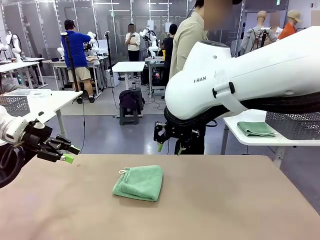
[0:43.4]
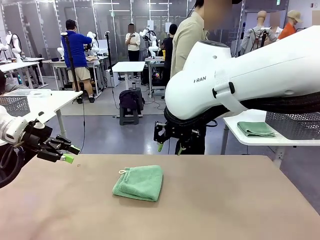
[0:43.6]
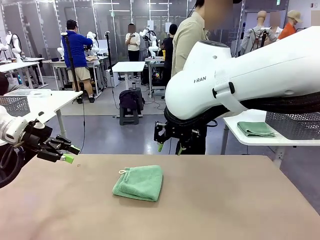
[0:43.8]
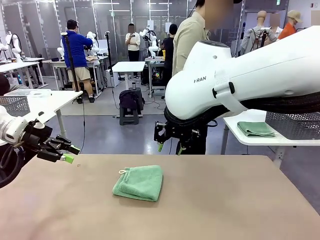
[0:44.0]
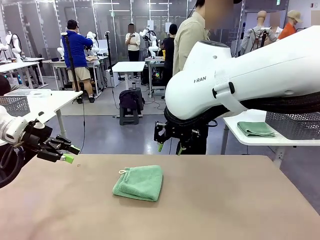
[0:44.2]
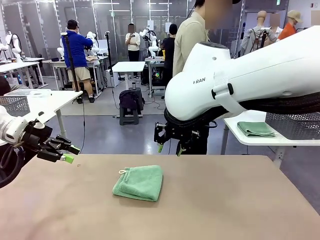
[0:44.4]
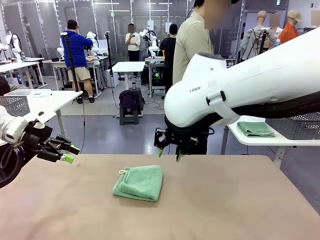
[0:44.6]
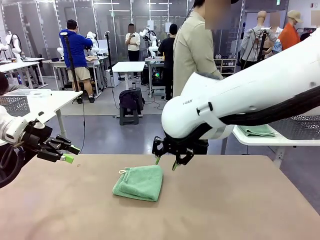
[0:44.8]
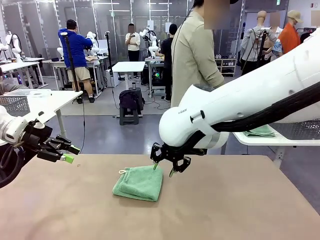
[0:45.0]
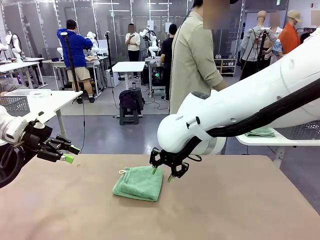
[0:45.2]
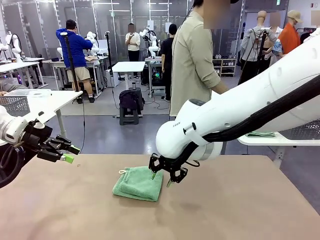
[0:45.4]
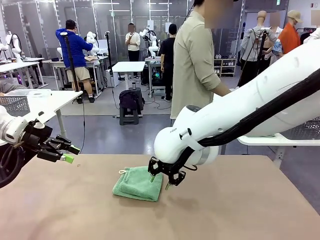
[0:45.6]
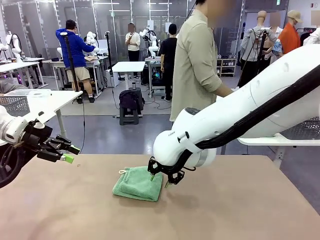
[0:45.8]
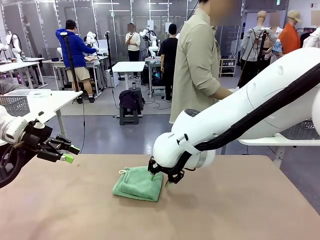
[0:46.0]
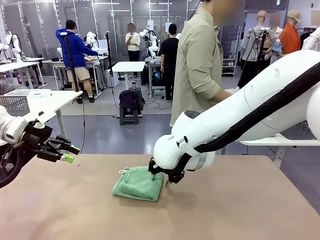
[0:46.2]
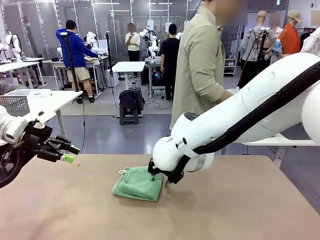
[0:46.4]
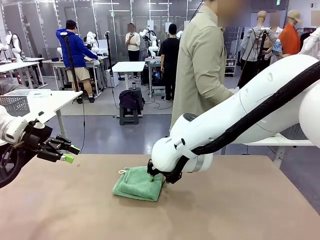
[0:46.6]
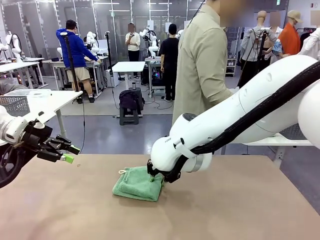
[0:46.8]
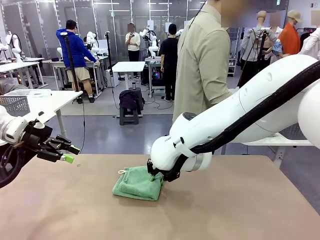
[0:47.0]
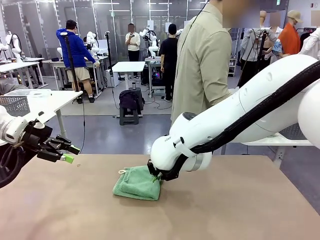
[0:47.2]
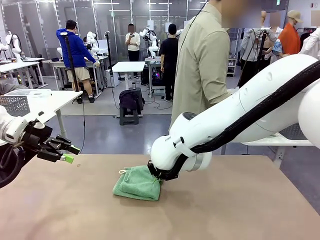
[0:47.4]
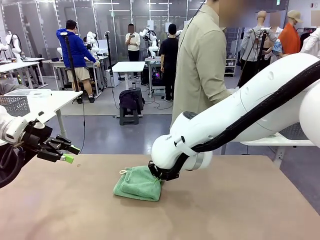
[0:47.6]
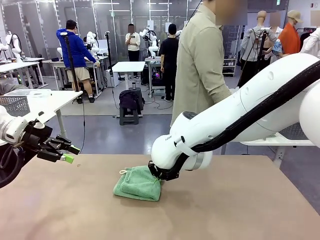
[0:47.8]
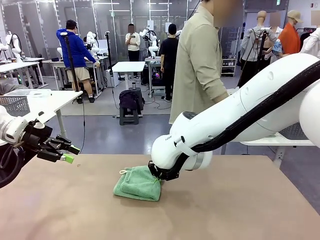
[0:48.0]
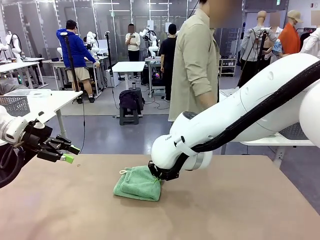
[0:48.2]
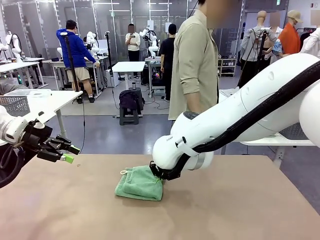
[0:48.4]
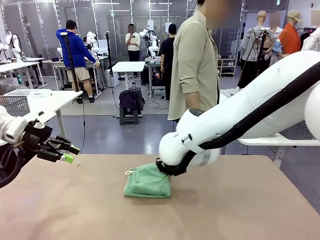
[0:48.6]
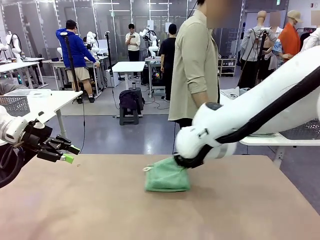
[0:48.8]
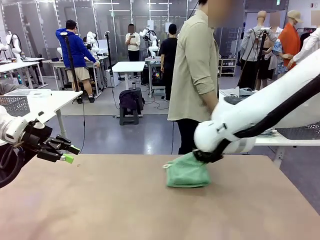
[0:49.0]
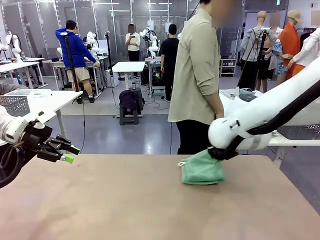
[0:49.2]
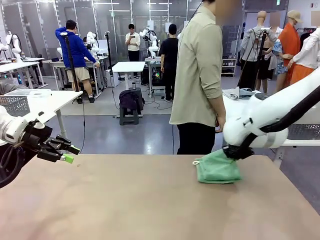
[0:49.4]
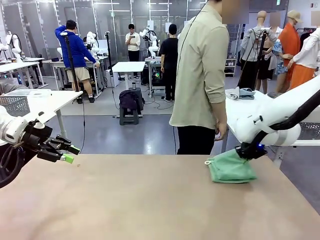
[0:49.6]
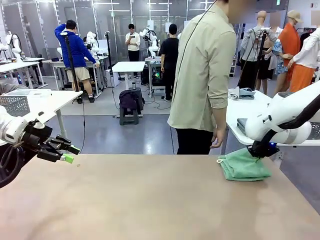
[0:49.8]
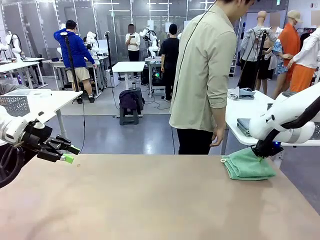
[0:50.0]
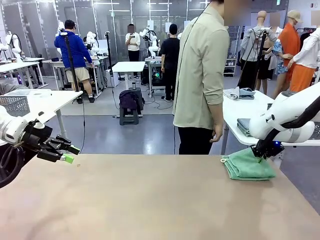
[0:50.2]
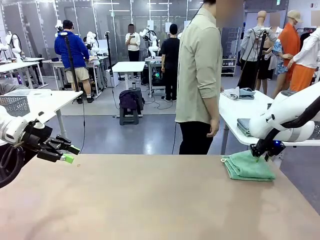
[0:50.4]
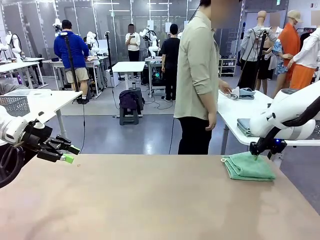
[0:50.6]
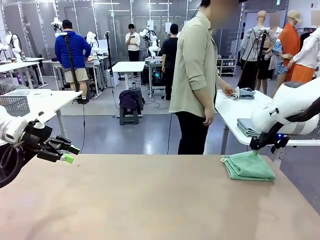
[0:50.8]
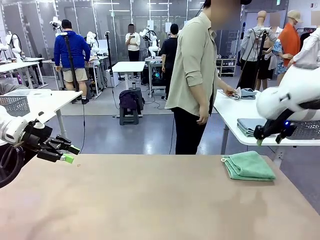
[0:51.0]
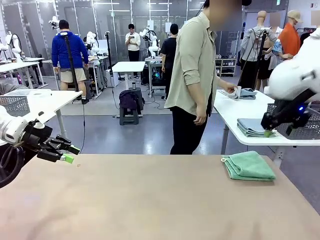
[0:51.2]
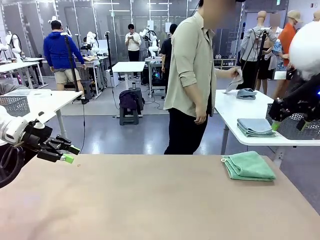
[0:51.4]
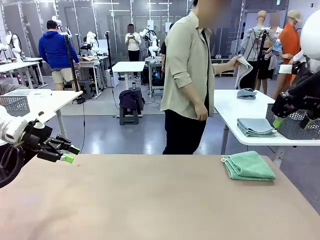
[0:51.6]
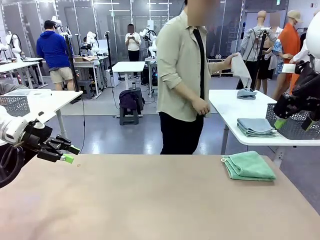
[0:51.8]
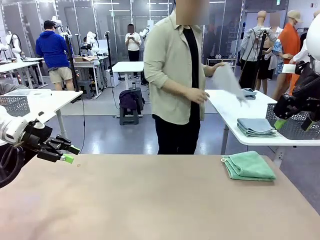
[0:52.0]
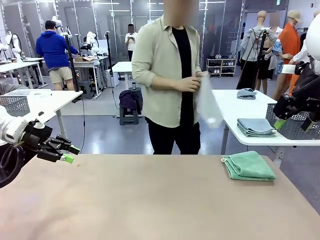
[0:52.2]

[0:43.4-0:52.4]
Task: Fold the towels and place them in the basket.
Robot: Place the folded Towel with hook on the right side of the table.

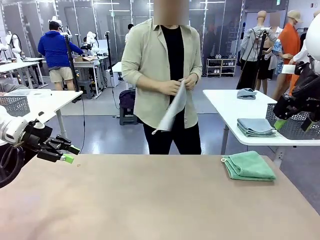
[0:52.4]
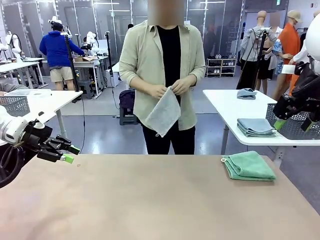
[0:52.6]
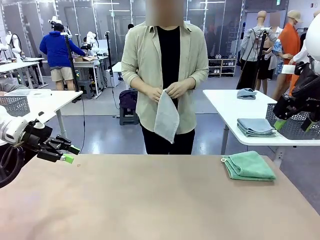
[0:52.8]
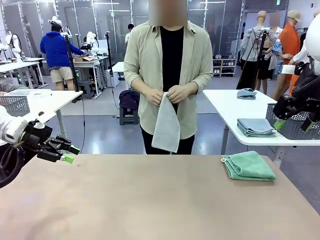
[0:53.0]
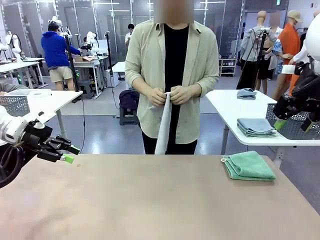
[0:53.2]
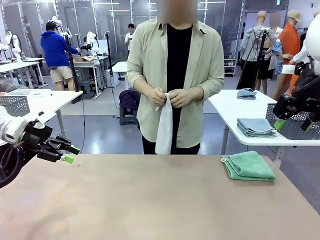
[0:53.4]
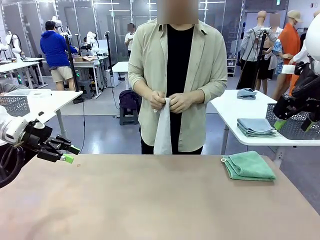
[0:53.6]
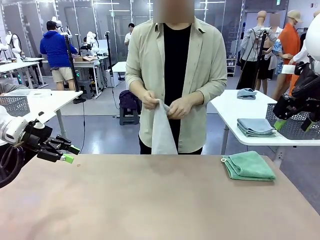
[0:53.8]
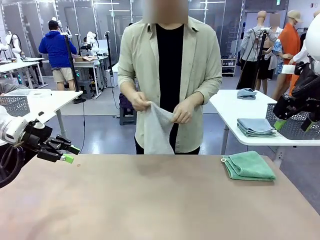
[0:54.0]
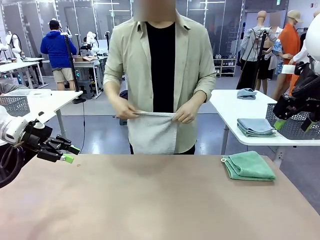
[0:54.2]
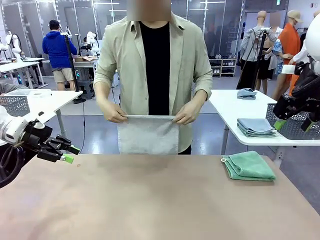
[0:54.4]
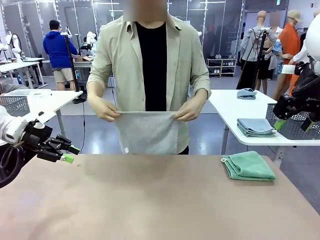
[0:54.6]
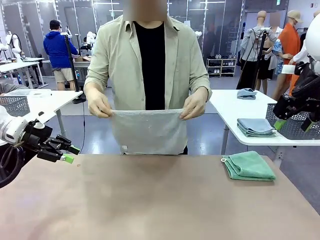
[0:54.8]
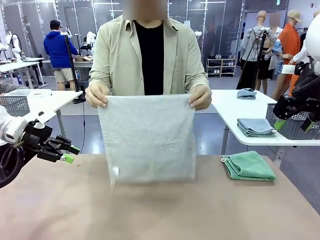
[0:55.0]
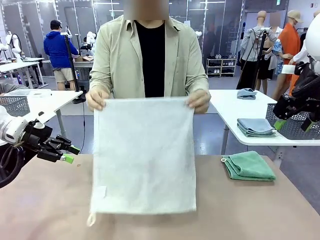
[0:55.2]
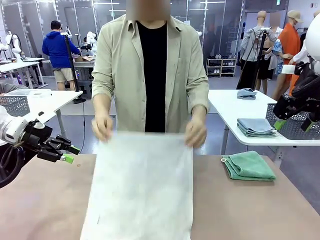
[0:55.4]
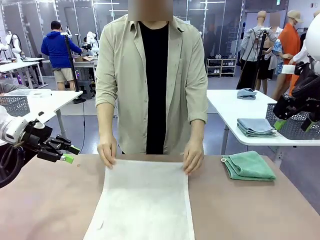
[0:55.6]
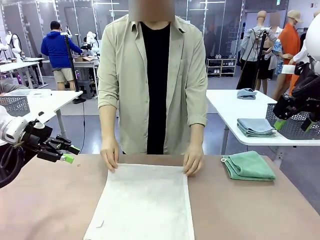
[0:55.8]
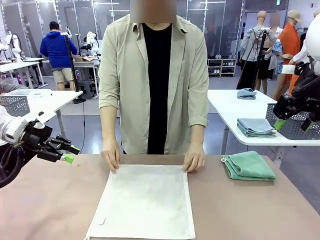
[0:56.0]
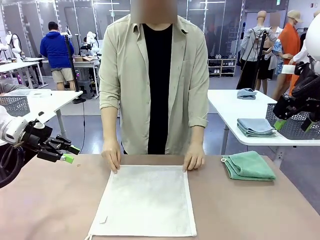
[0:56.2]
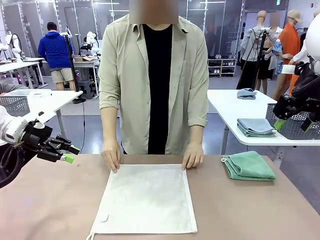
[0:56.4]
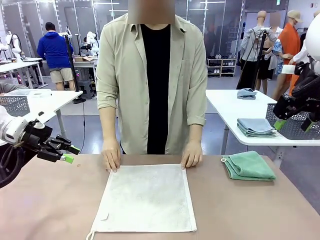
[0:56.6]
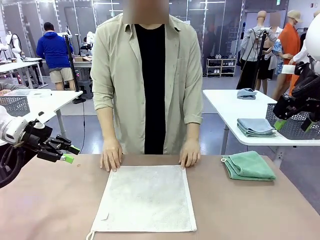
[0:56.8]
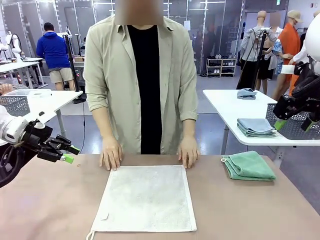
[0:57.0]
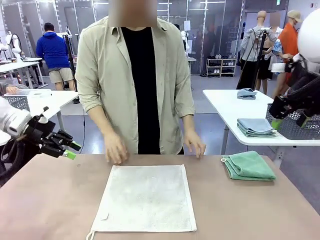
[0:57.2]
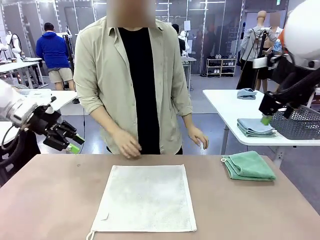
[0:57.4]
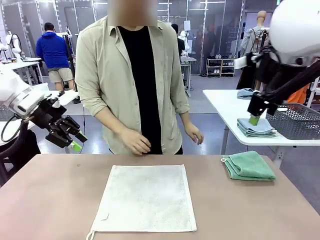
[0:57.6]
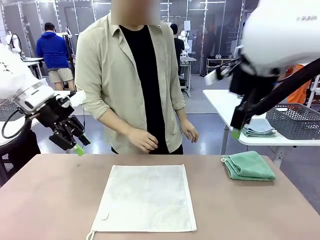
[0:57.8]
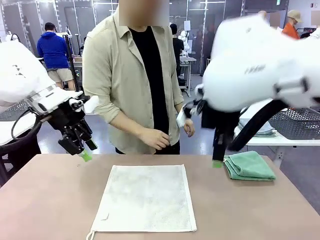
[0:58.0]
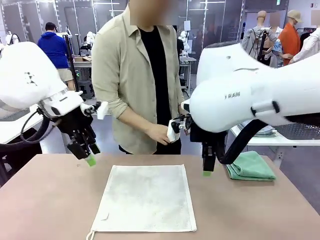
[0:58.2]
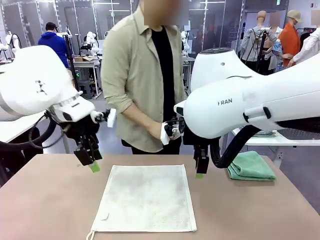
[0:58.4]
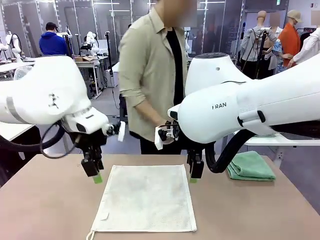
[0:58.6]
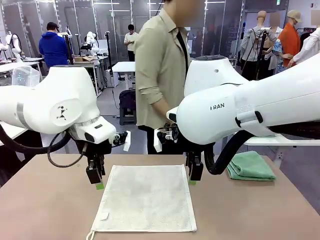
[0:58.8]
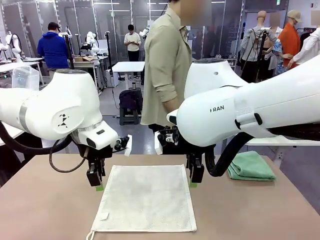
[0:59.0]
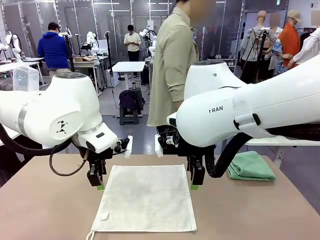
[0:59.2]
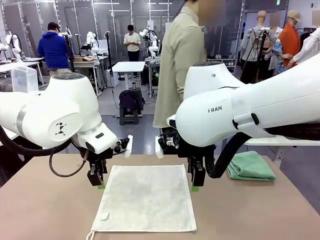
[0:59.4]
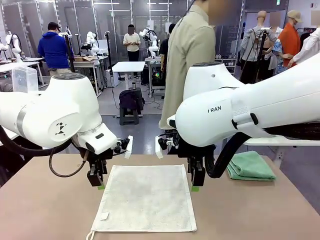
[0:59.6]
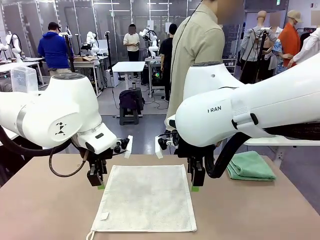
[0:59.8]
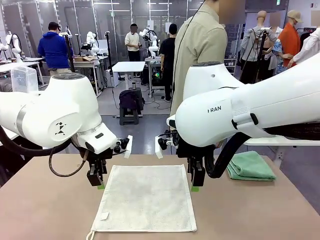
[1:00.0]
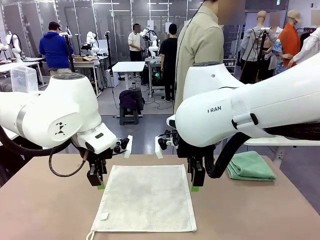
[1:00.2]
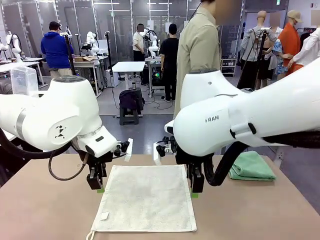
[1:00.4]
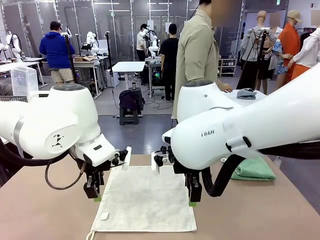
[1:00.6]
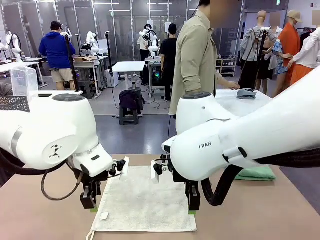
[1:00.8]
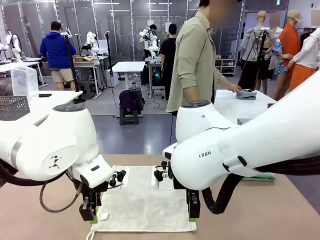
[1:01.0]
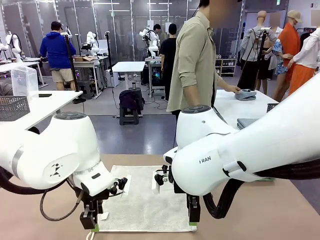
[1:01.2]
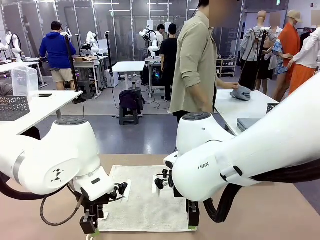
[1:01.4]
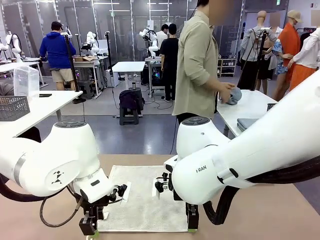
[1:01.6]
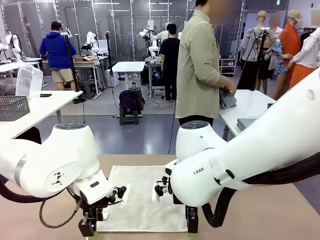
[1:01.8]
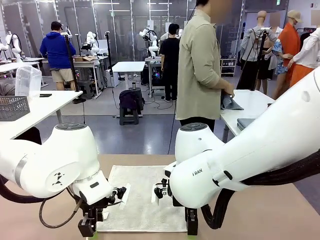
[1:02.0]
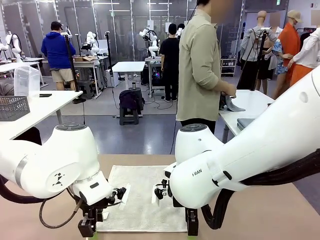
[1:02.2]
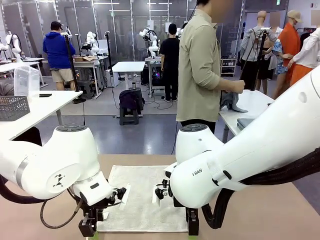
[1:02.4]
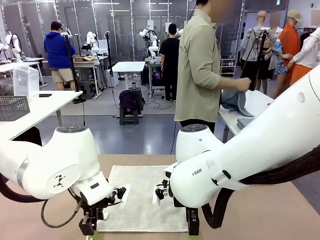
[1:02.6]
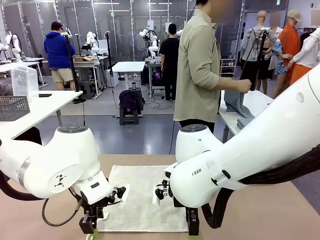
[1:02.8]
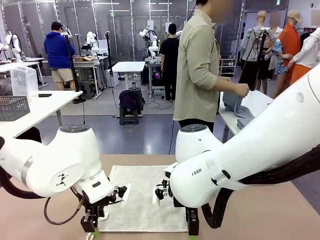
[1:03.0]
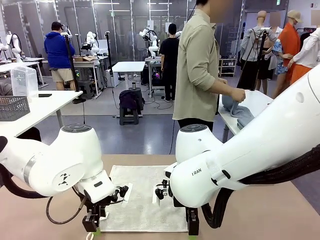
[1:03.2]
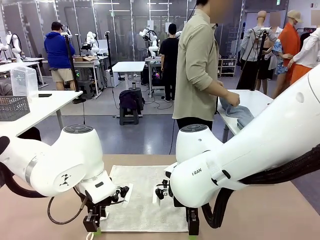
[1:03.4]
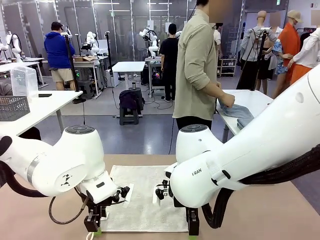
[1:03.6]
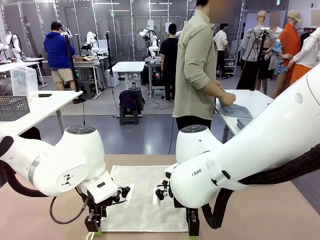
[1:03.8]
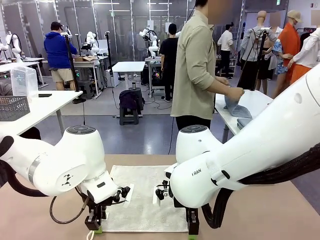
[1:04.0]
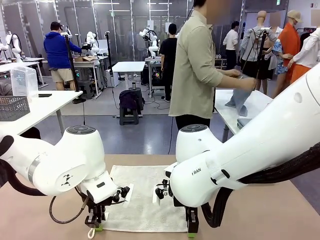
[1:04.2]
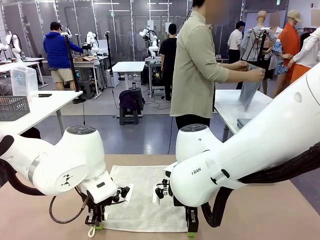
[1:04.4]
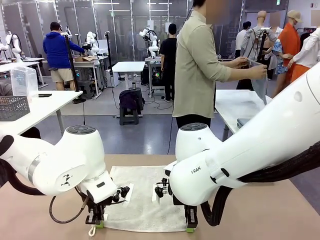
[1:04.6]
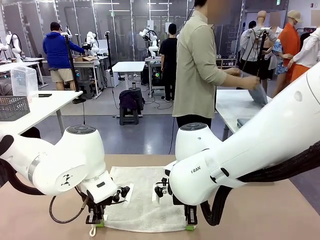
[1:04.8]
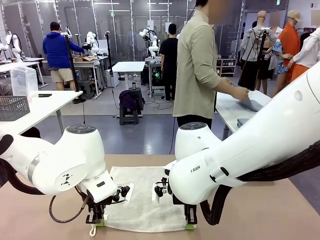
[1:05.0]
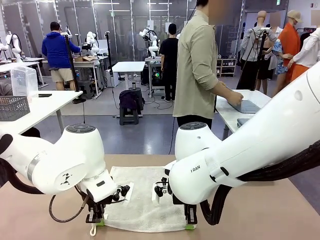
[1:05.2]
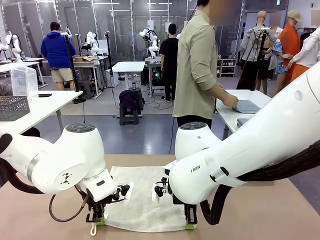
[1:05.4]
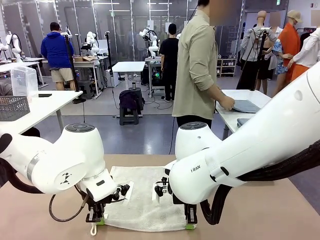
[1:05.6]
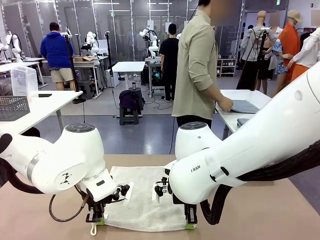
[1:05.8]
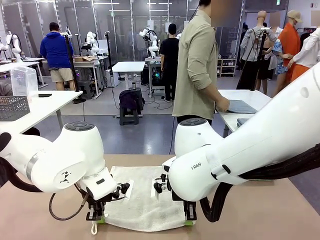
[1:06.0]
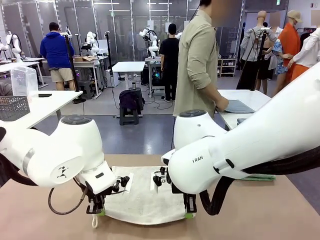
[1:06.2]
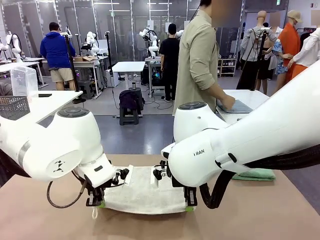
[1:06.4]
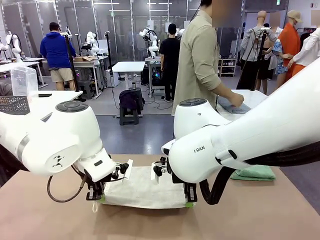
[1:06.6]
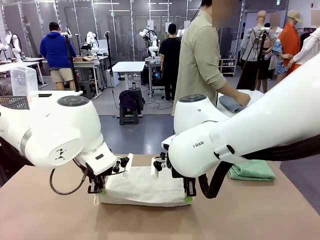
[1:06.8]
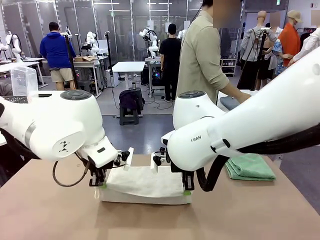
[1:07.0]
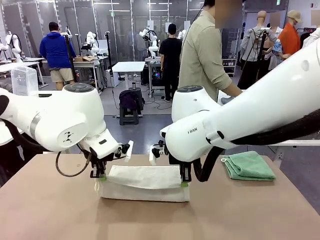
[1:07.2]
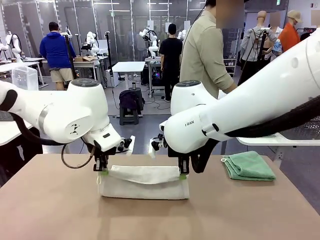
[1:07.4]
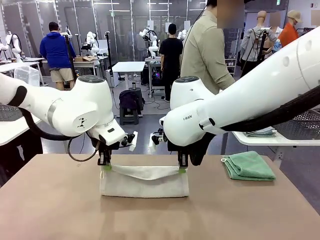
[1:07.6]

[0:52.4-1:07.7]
Robot: When a person lays out a Towel with hook on the table, fold it in half twice.
Person: Pick up one towel from the left side of the human table and spread it out at the center of the robot table.
